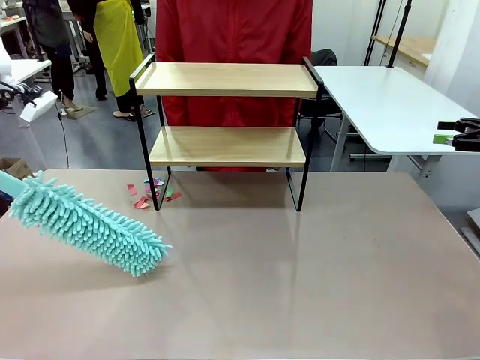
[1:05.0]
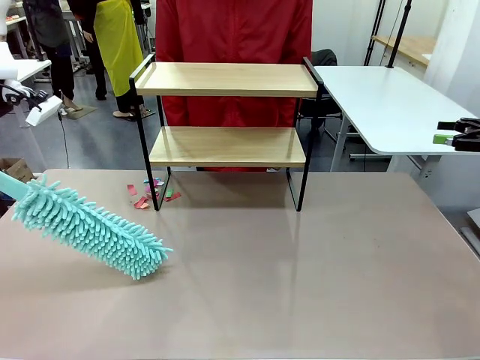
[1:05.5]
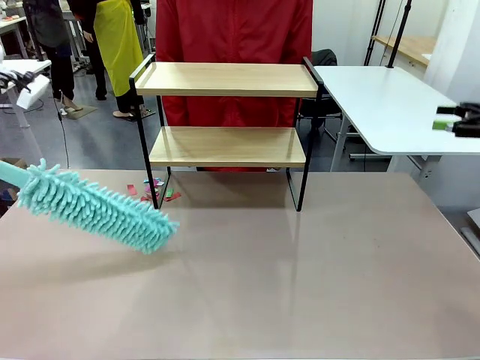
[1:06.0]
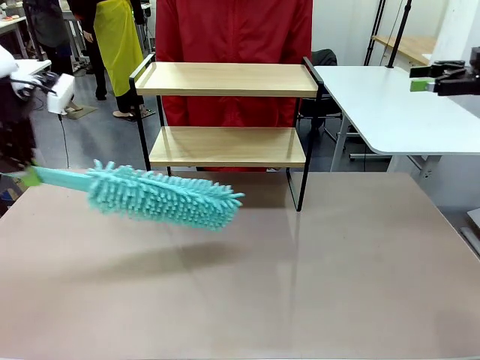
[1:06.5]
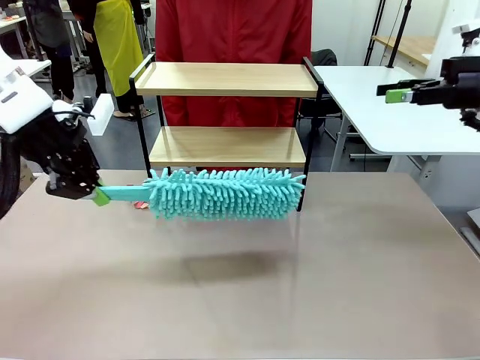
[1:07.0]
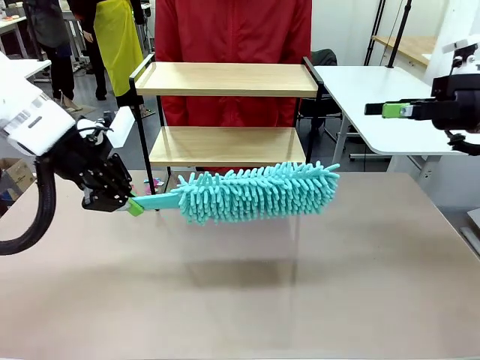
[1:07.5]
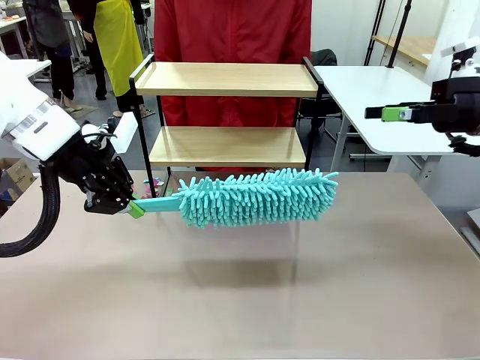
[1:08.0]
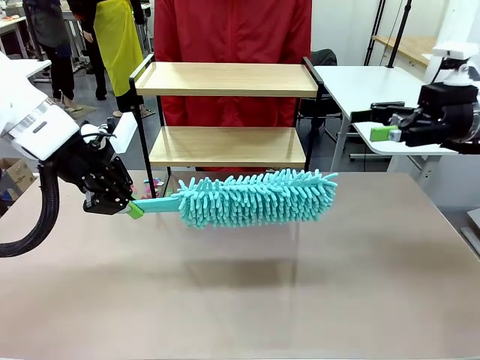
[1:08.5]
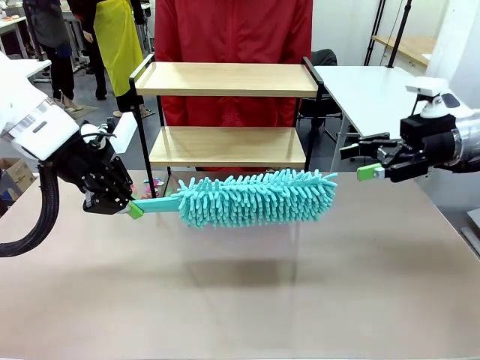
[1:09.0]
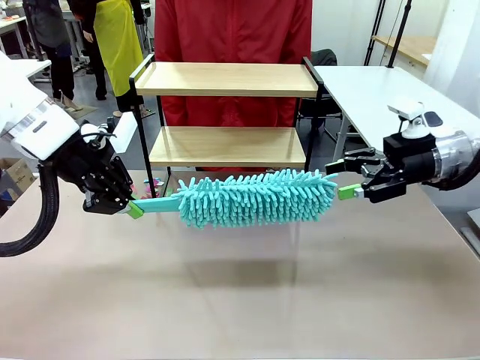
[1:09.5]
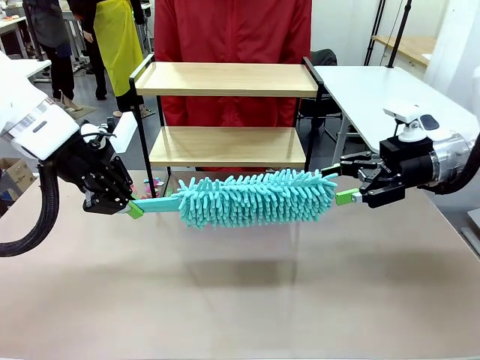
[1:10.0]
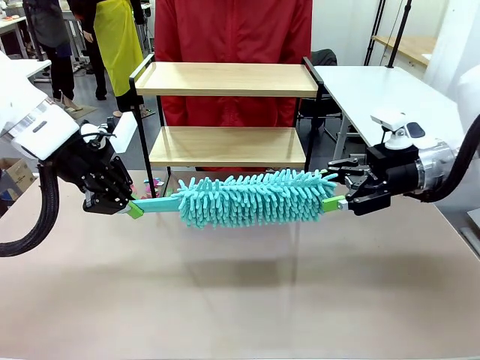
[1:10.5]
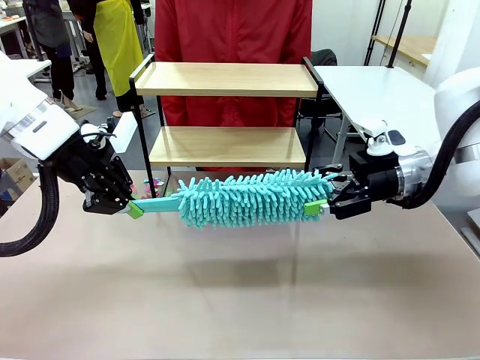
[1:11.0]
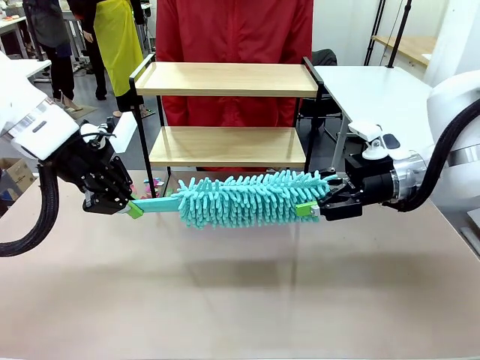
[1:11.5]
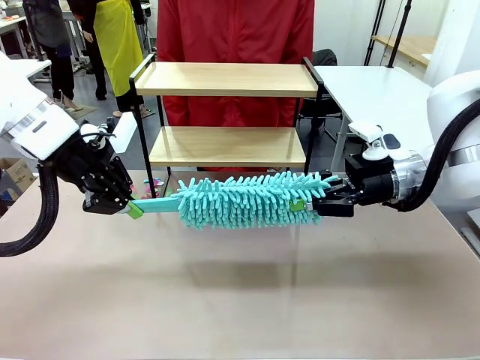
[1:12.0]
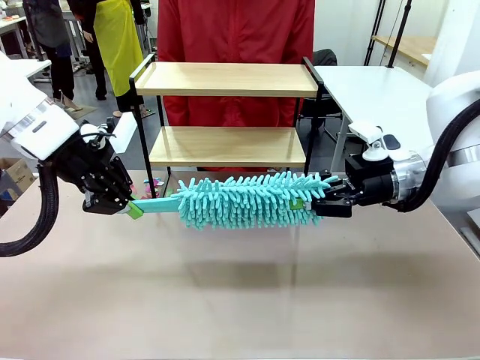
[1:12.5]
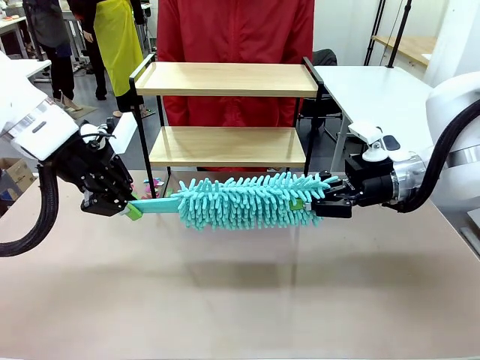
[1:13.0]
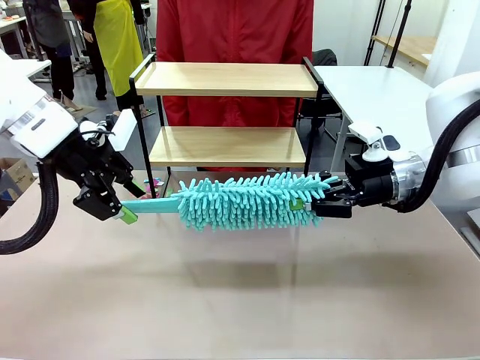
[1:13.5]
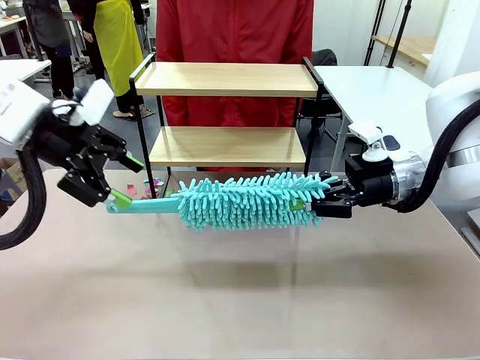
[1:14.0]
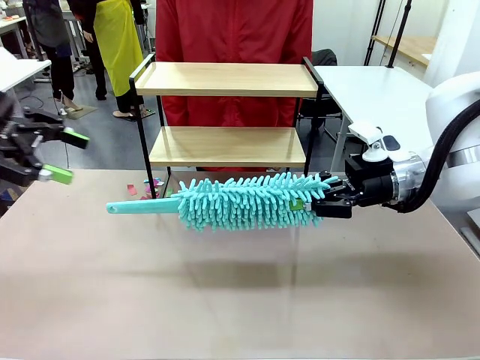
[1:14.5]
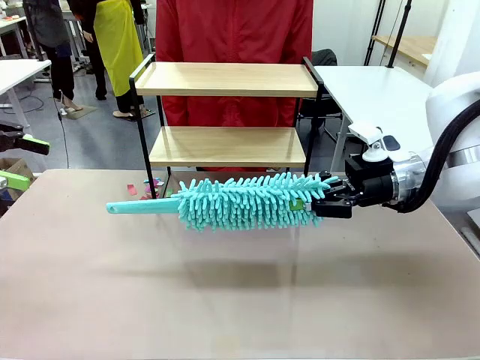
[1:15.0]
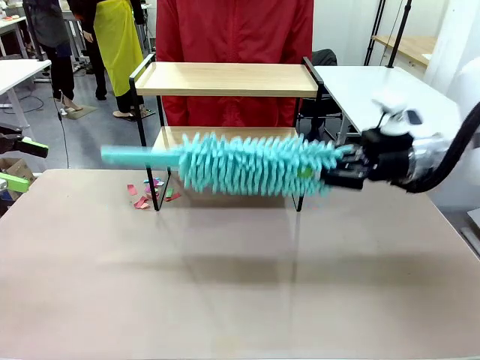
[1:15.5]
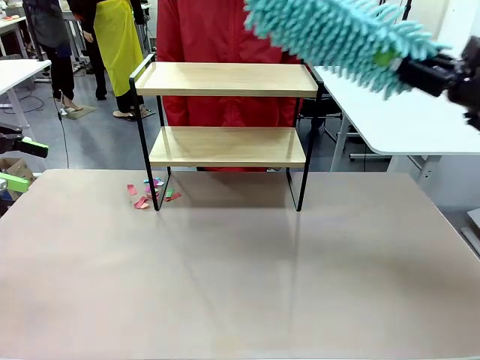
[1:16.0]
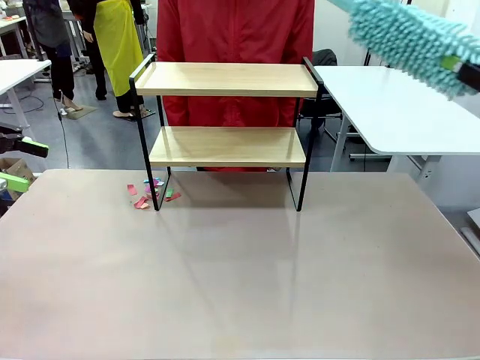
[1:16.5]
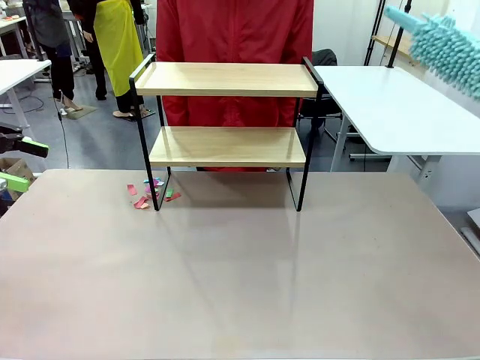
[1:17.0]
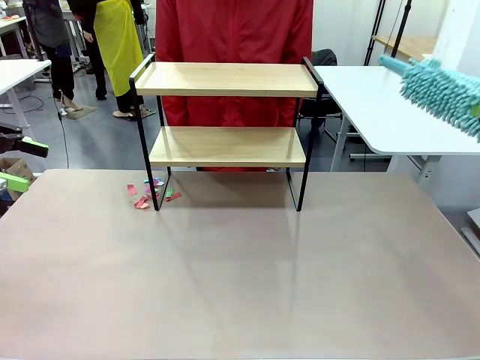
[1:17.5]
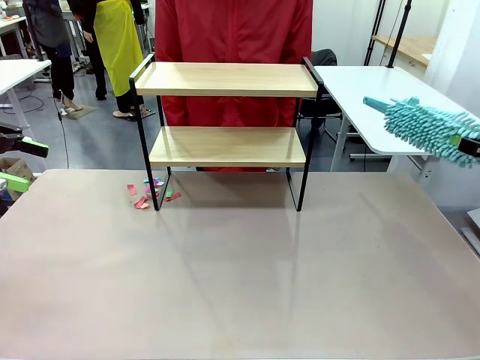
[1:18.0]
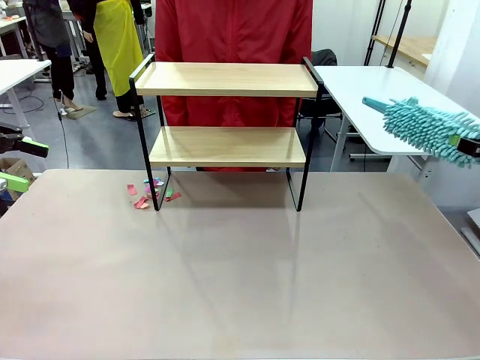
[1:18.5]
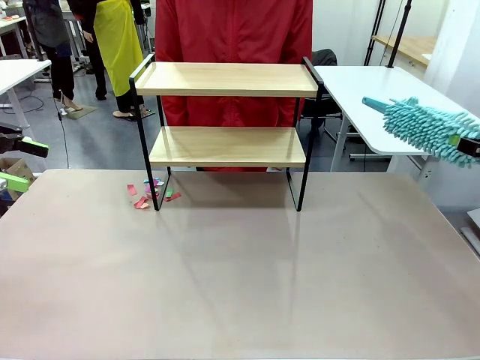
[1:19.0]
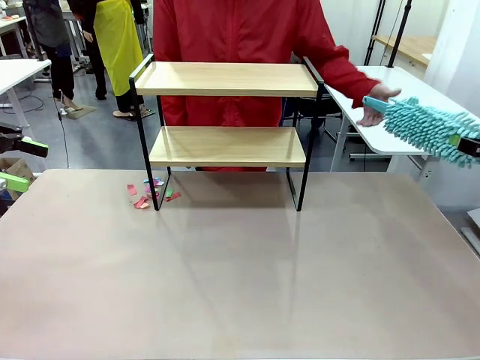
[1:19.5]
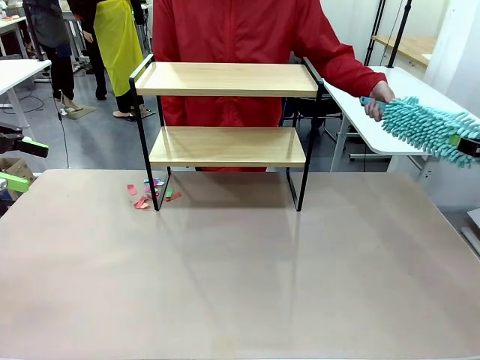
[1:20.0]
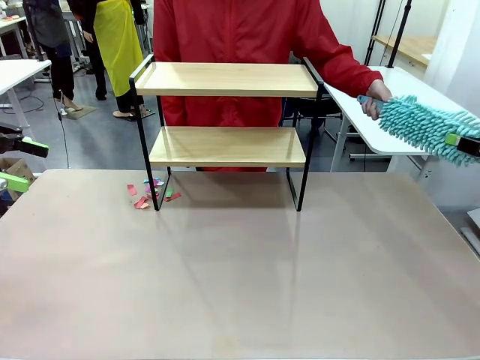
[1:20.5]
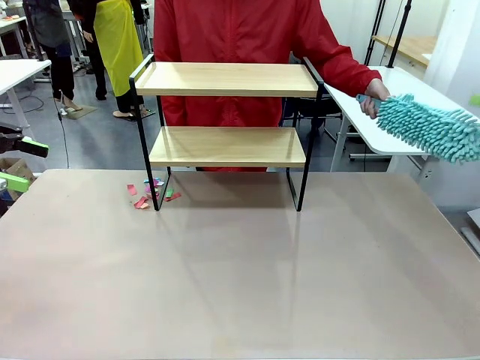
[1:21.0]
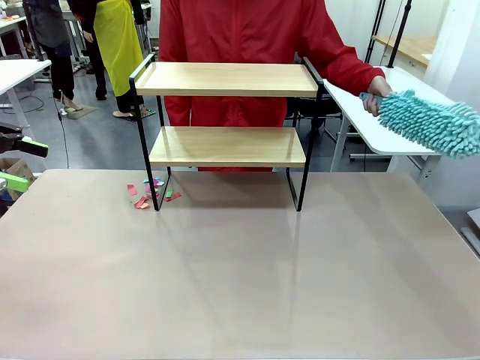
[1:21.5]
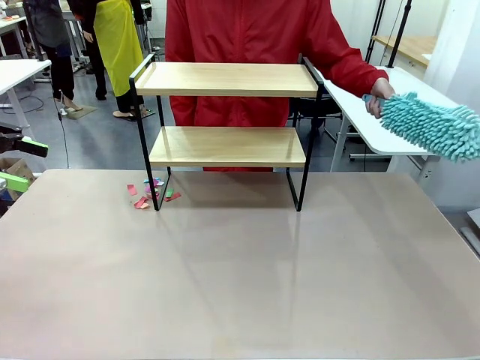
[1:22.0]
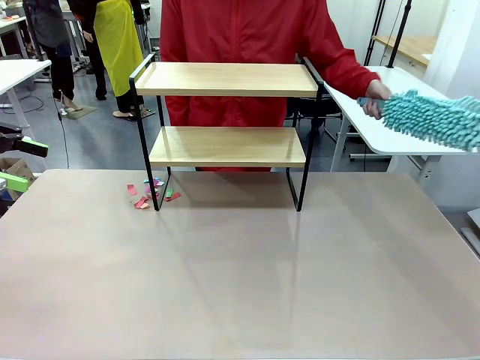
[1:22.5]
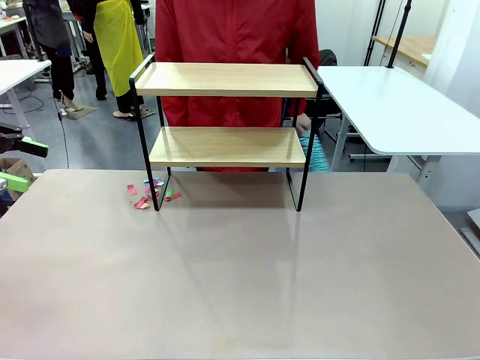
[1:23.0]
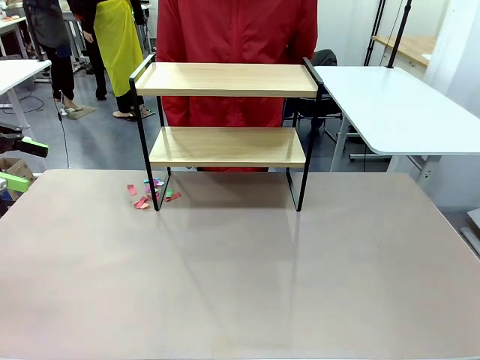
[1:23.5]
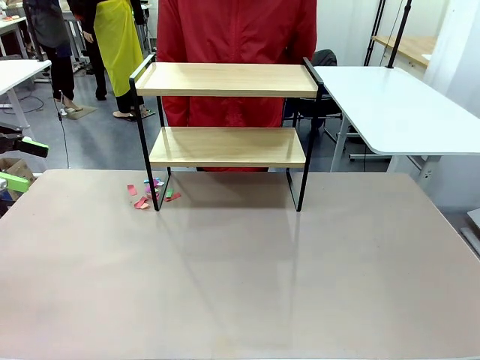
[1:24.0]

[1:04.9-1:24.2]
Task: Clean the shelf.
Robot: Hand the Duster back to the human.
Person: Receive the Duster from the robot.

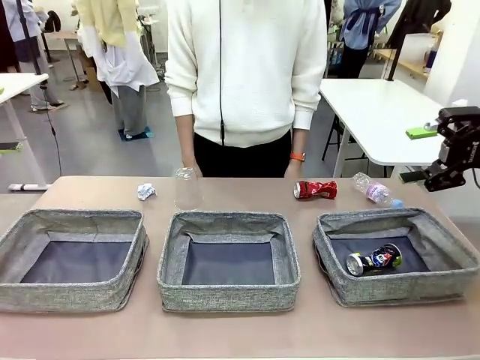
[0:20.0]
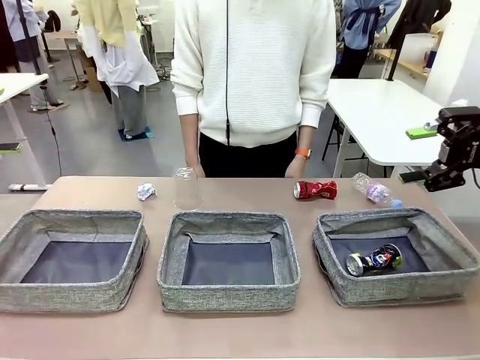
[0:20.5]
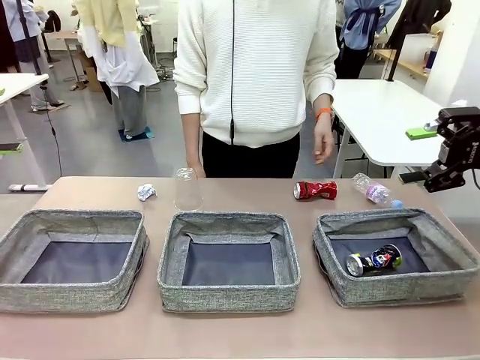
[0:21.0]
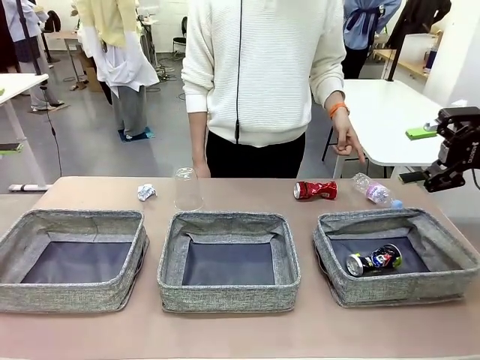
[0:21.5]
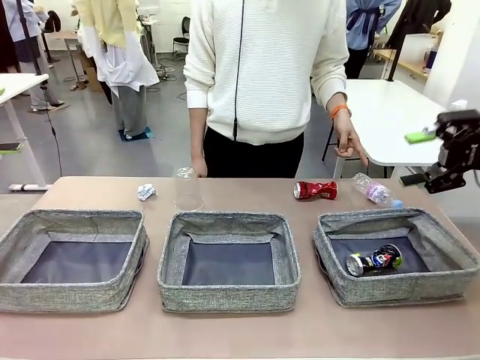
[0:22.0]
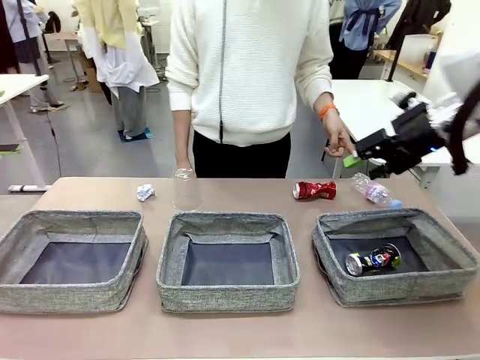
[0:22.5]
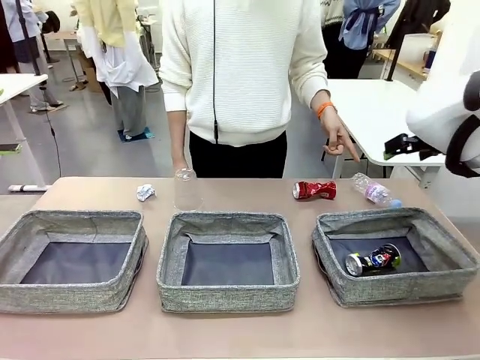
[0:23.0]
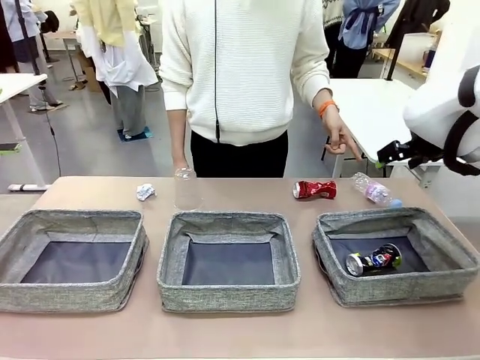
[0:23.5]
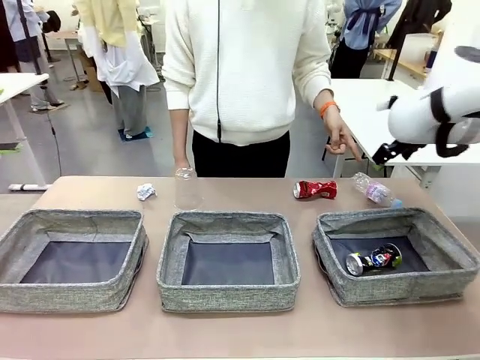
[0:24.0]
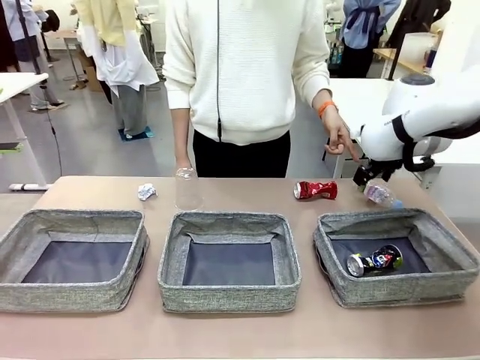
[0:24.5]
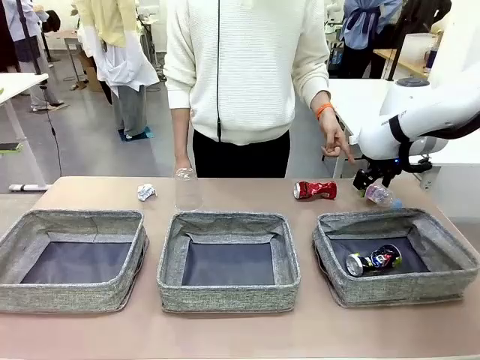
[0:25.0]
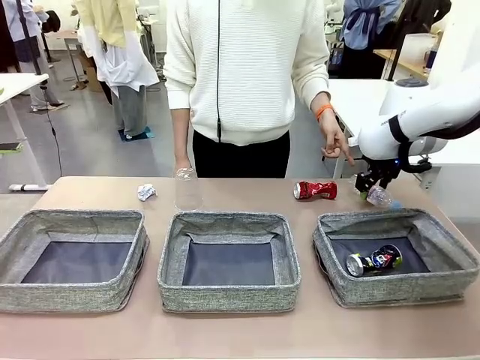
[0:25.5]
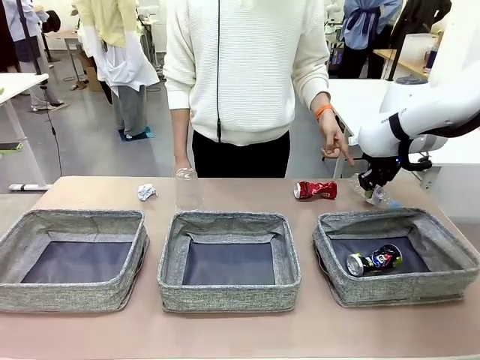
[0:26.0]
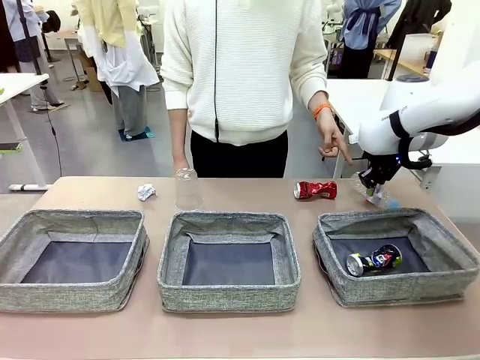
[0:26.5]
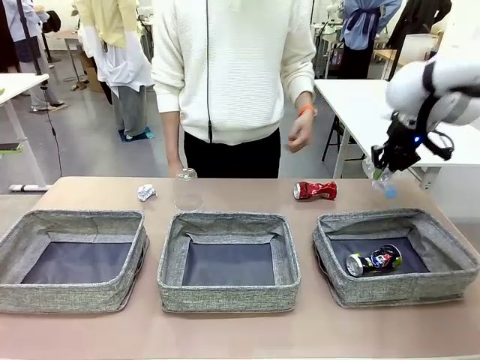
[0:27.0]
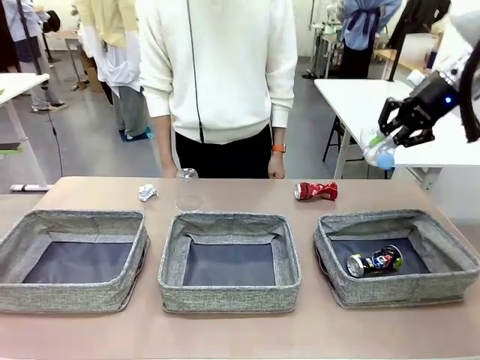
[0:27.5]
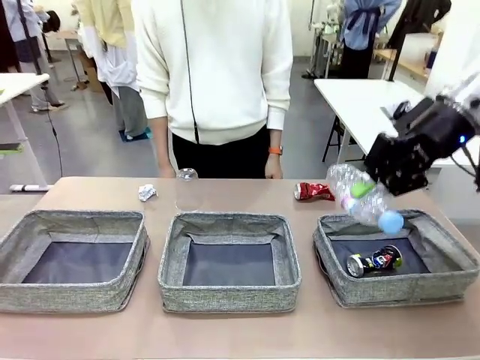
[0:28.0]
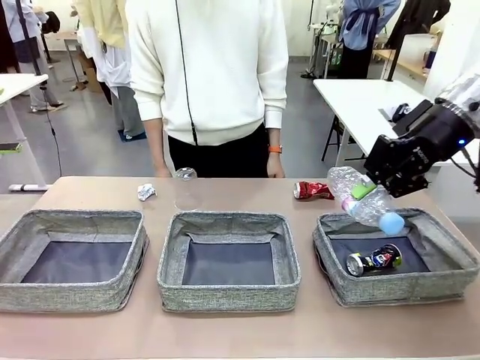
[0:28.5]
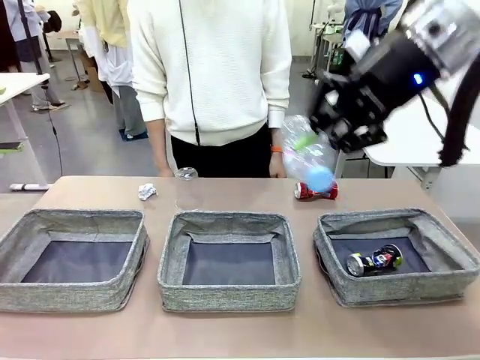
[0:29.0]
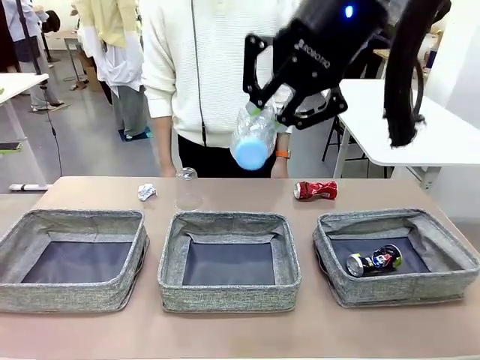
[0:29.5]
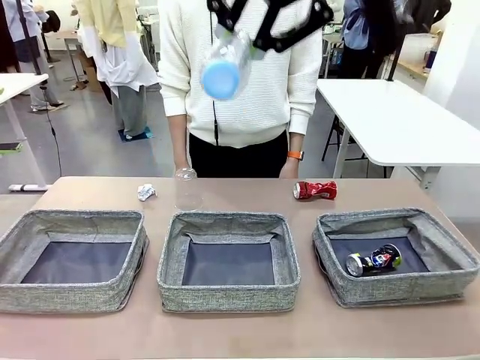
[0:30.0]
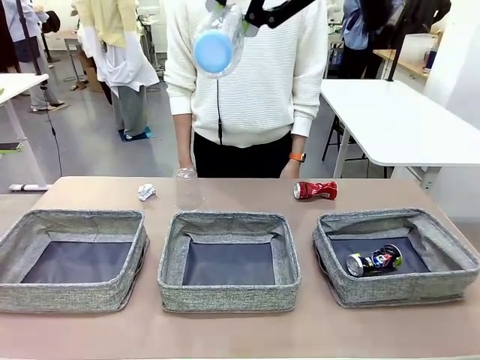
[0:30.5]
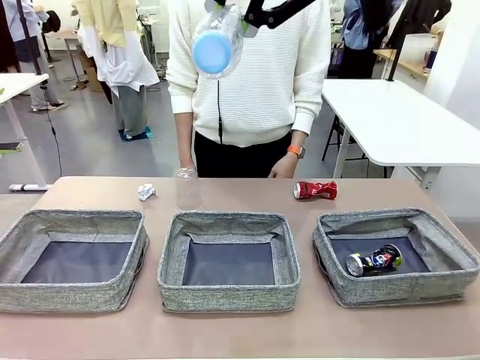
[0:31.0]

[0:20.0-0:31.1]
Task: Sort the waste into the appropriate baskets.
Robot: Pick up the waste item pointed out by the person.
Person: Points to one piece of trash on the table.
